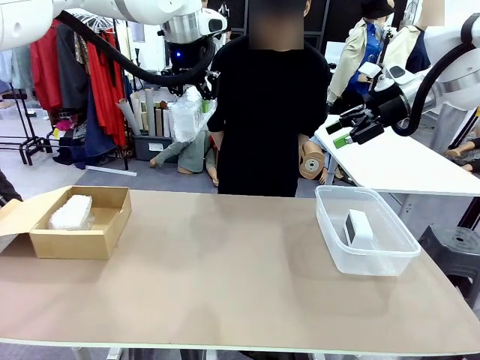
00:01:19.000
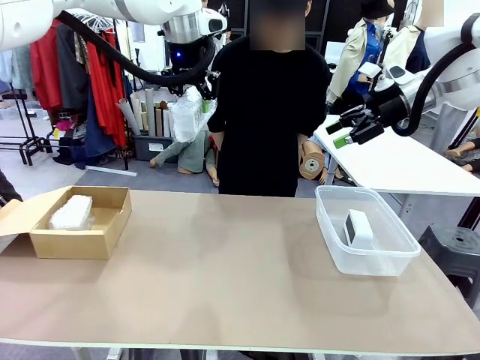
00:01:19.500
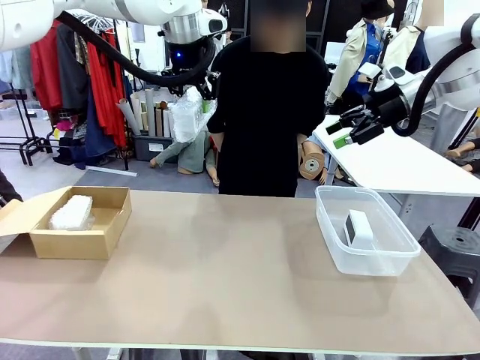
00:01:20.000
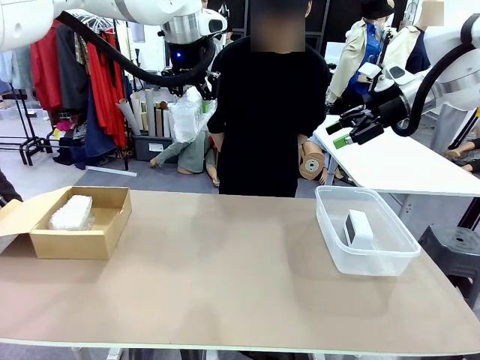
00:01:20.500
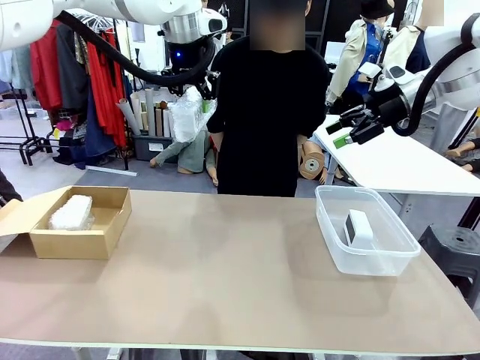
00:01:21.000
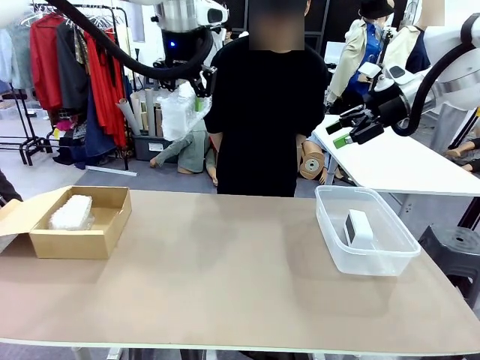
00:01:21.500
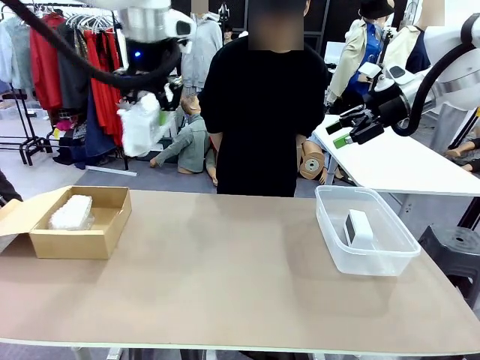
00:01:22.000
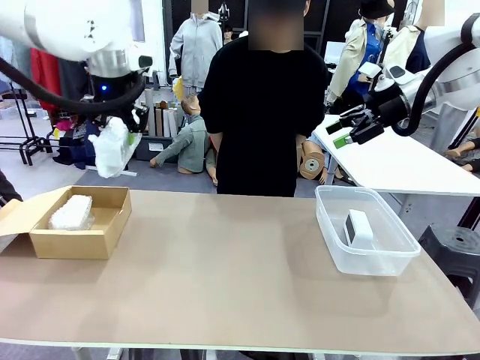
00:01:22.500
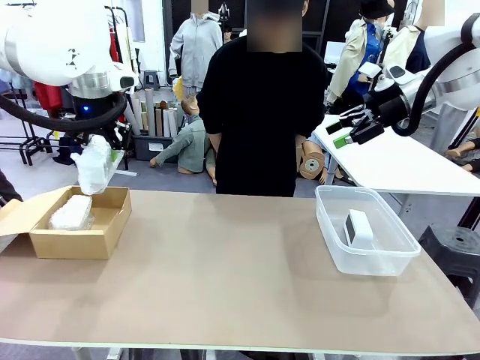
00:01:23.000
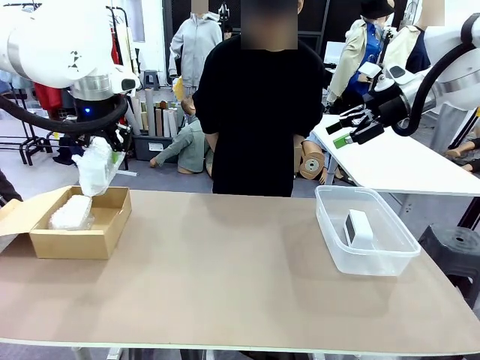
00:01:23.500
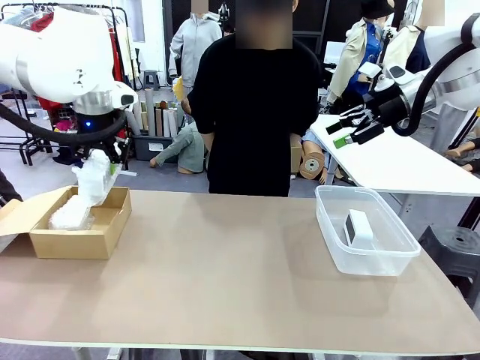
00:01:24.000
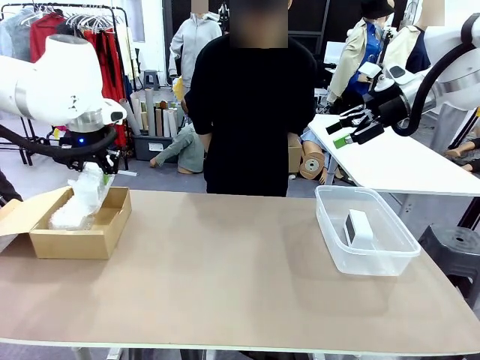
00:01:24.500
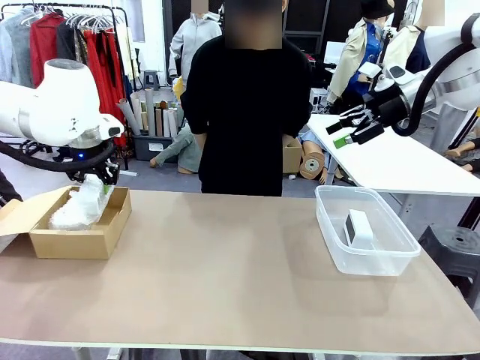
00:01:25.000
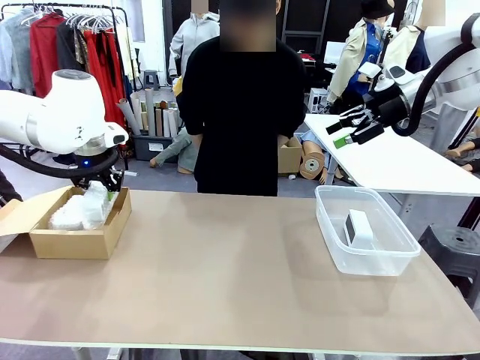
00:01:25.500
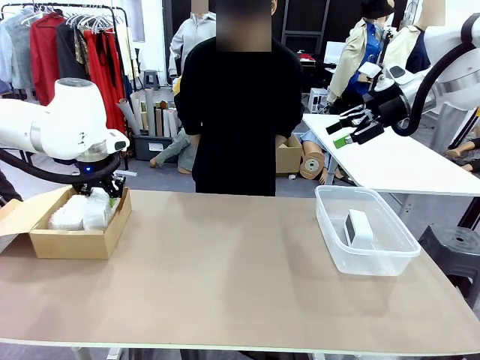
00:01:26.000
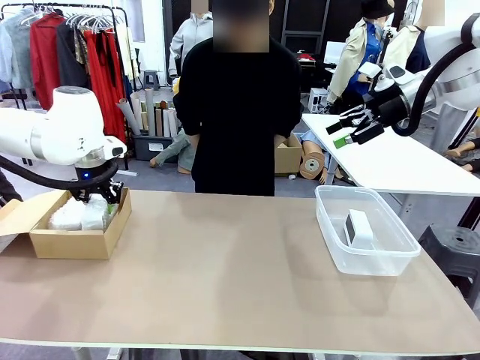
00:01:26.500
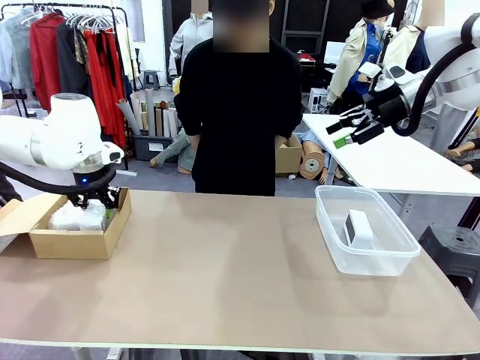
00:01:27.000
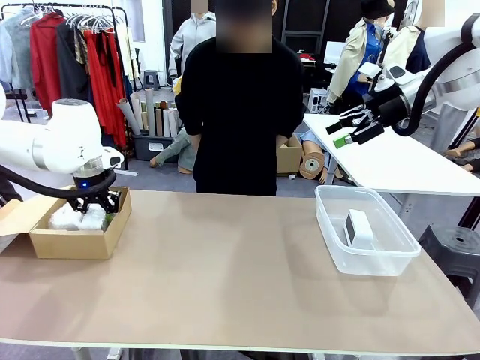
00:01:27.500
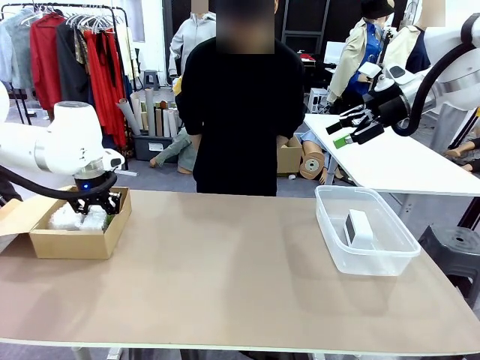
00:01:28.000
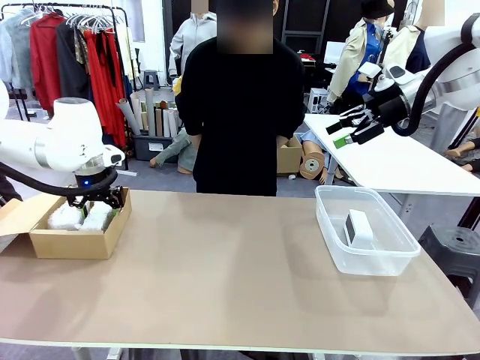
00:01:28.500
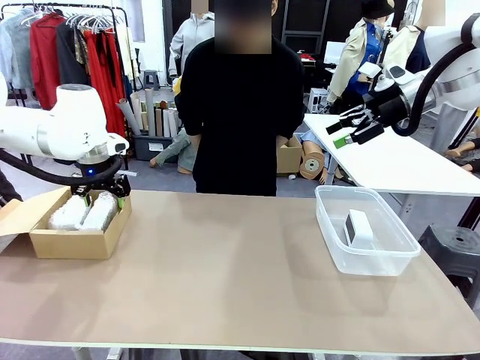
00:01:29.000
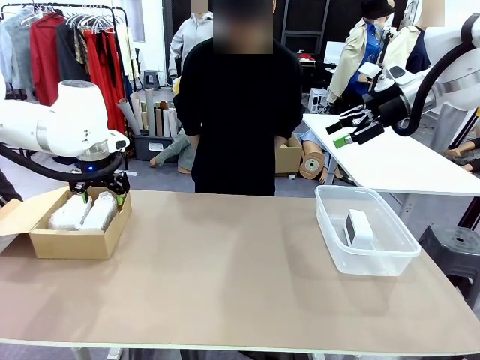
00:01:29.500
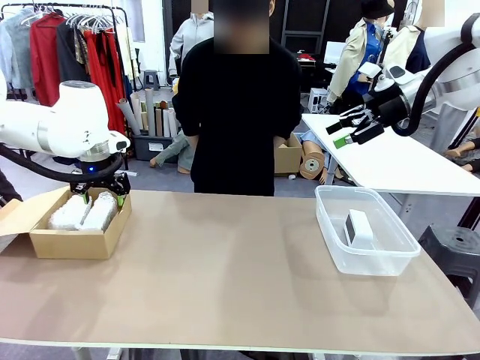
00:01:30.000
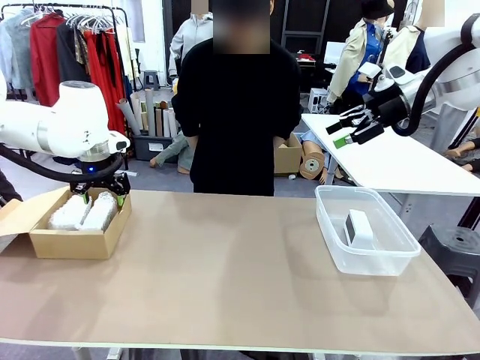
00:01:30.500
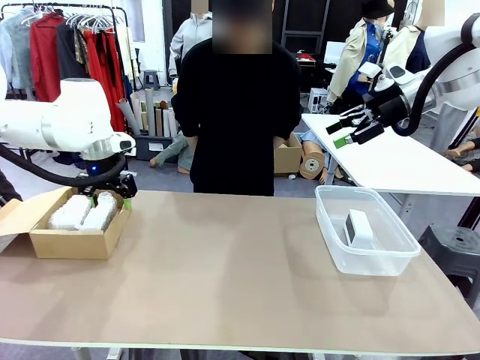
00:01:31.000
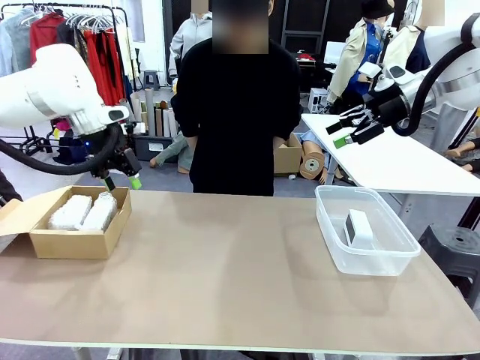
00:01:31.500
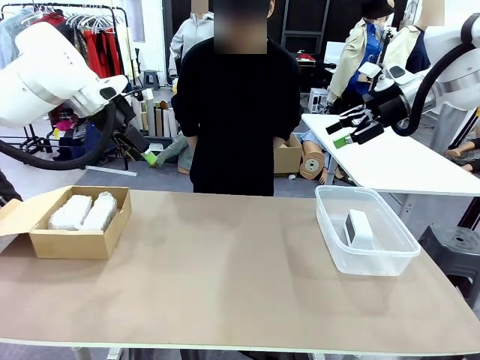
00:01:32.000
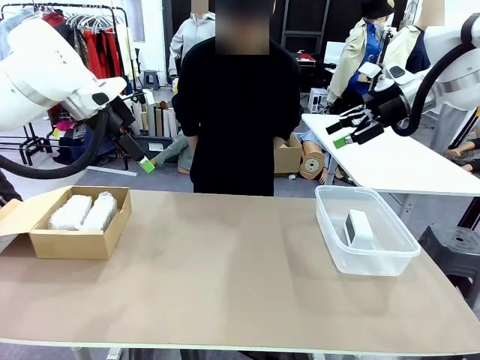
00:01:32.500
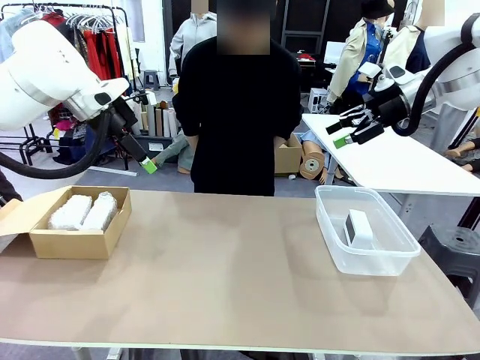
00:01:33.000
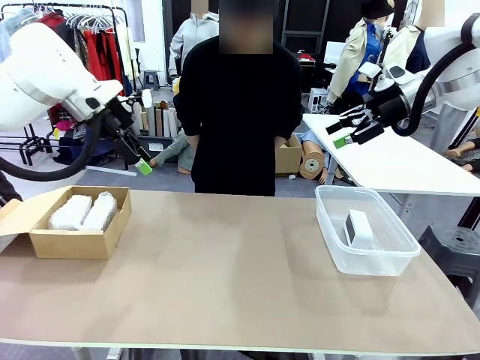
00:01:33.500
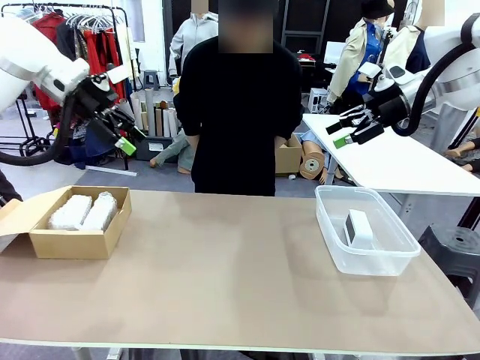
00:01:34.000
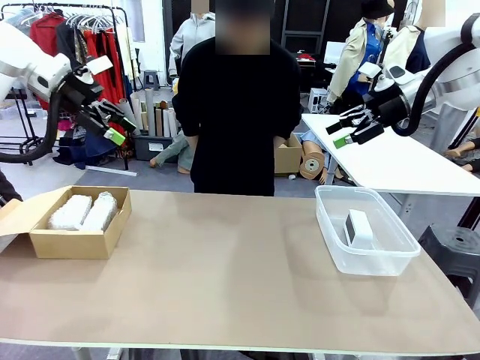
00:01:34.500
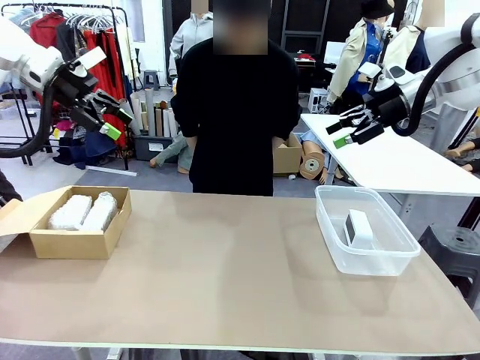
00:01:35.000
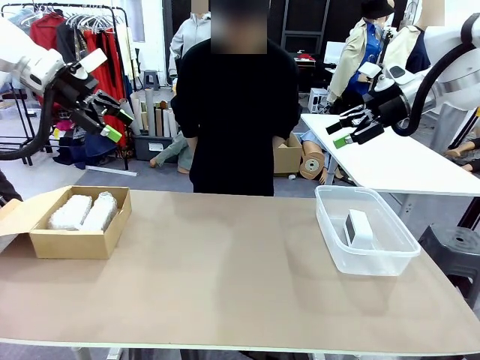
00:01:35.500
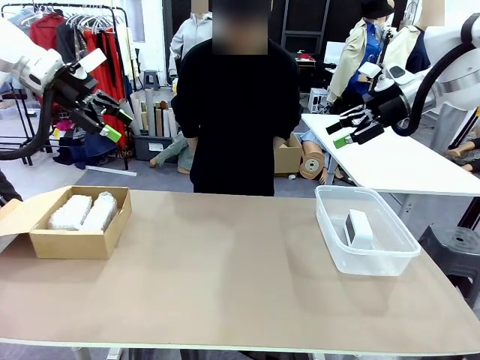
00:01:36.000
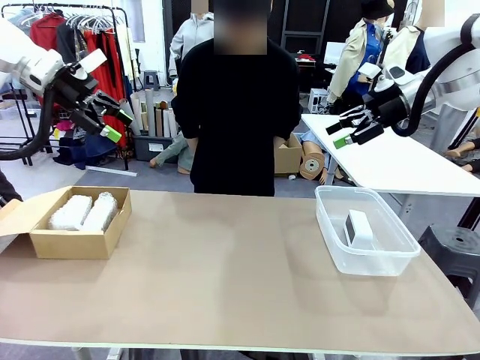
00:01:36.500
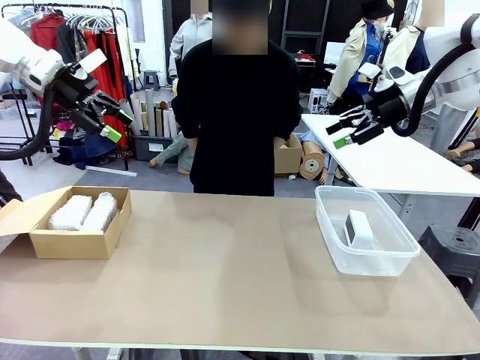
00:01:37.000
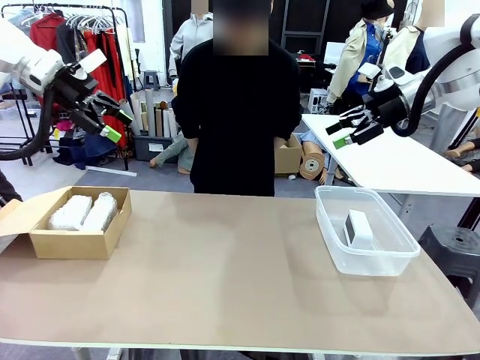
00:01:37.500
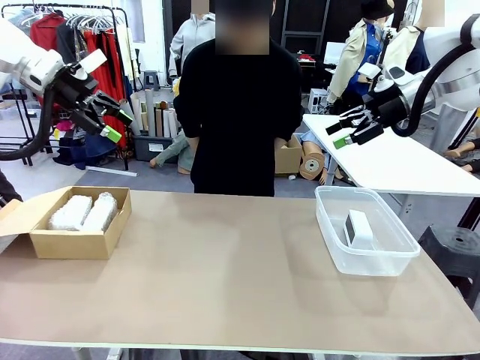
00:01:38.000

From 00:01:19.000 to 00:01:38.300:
Task: Separate and place wrapped and unwrapped clocks.
Robot: If the picked Digital clock is wrapped, place it in the Package Box ; if not, place it in the Organizing box.

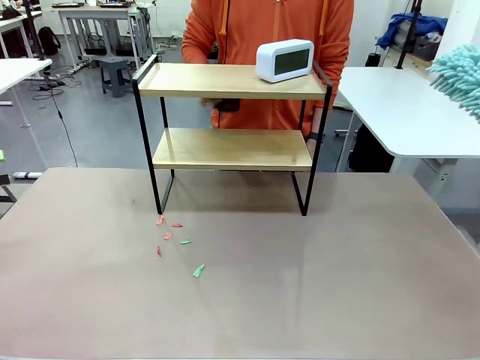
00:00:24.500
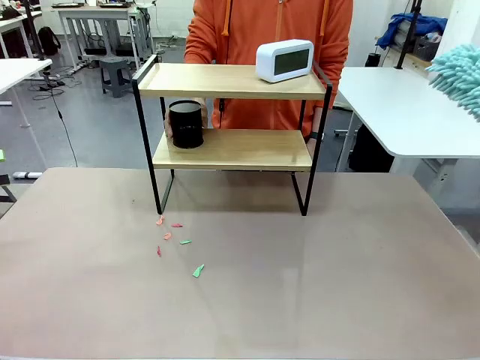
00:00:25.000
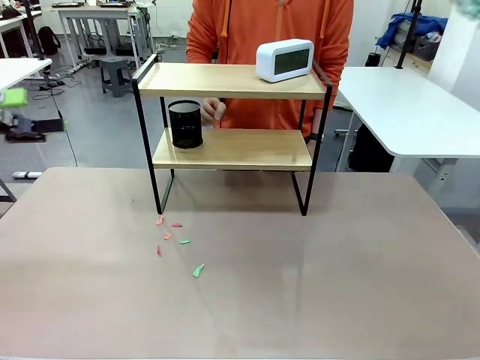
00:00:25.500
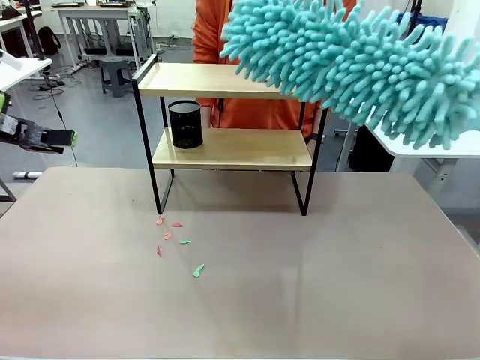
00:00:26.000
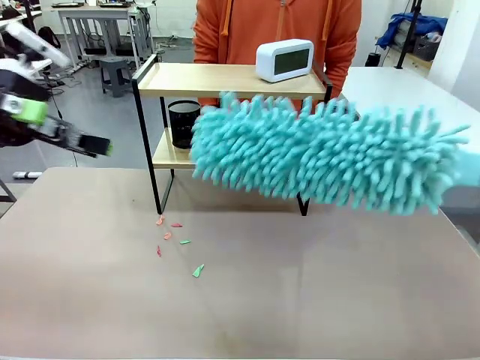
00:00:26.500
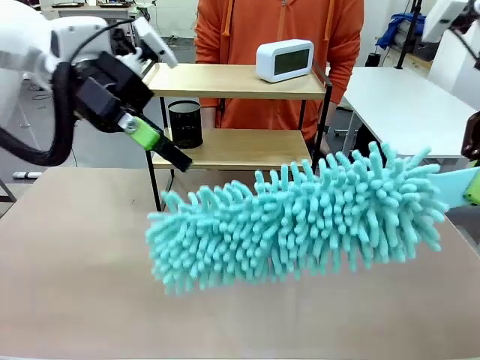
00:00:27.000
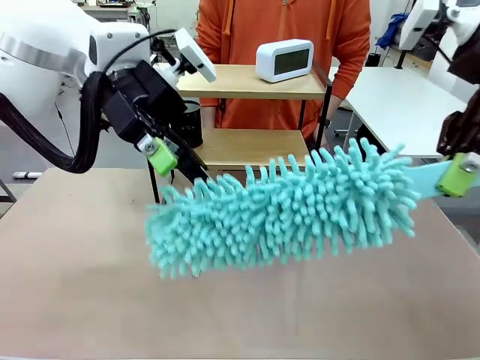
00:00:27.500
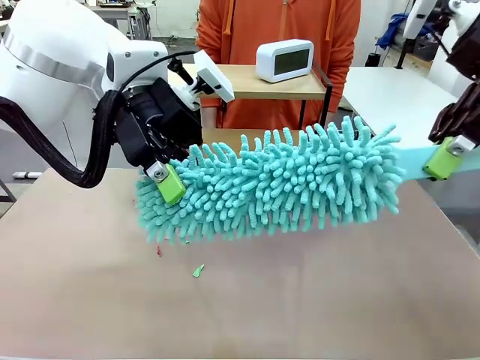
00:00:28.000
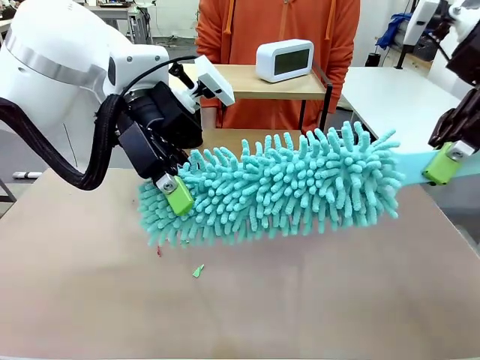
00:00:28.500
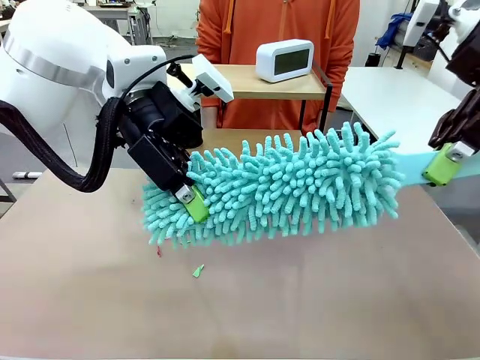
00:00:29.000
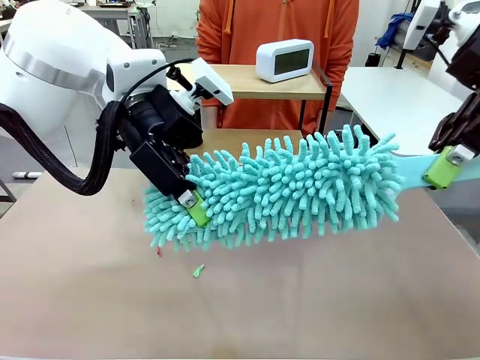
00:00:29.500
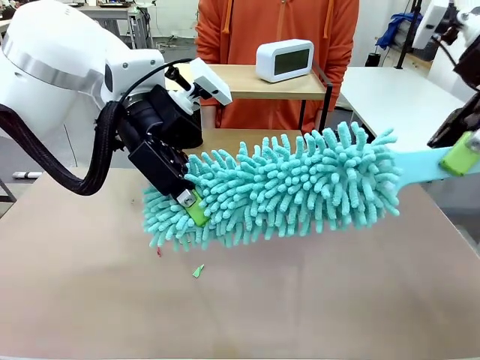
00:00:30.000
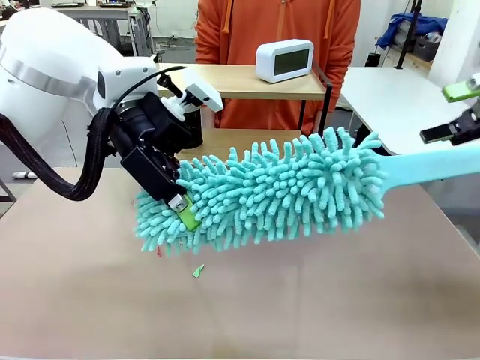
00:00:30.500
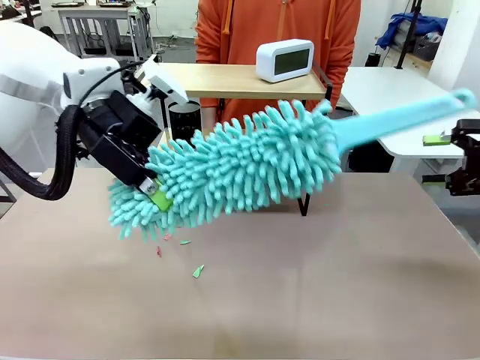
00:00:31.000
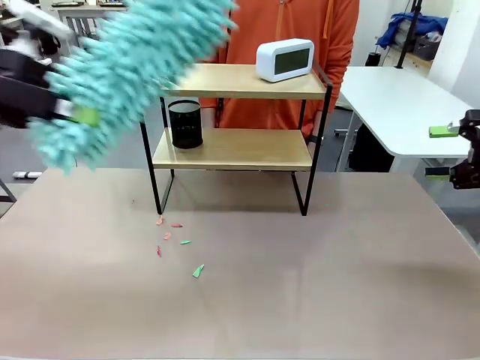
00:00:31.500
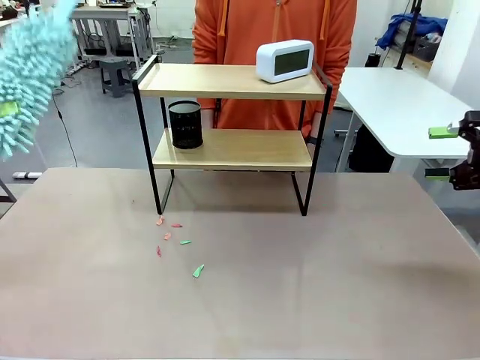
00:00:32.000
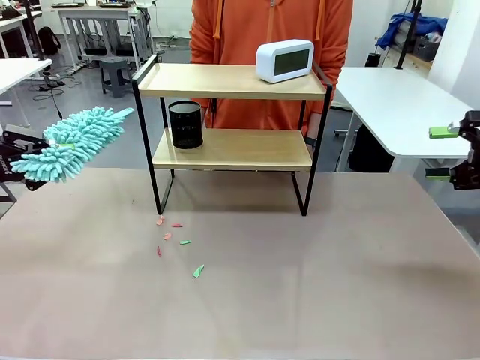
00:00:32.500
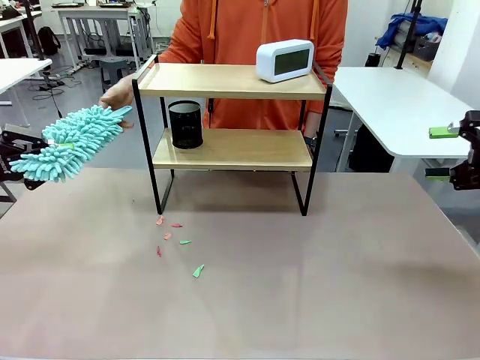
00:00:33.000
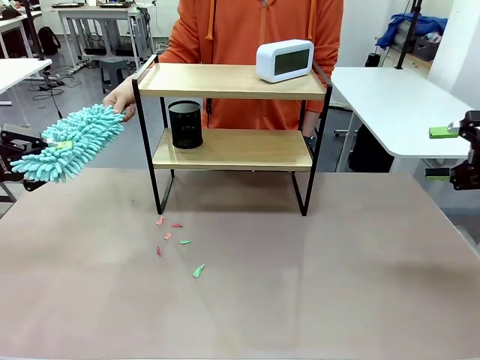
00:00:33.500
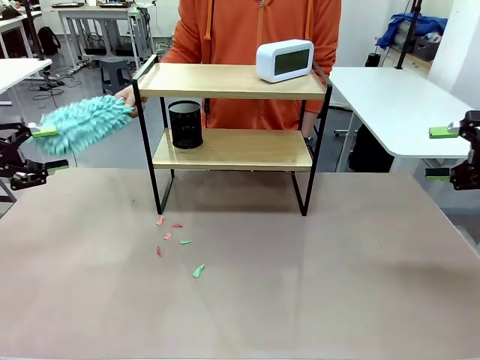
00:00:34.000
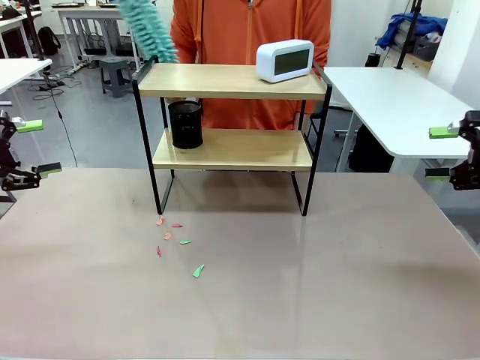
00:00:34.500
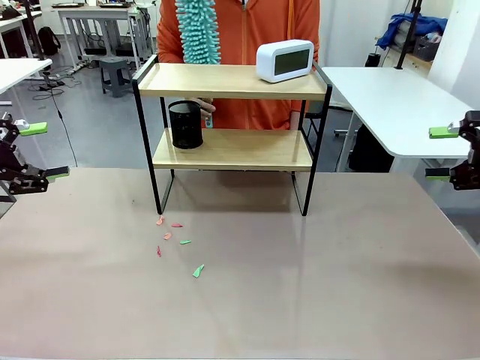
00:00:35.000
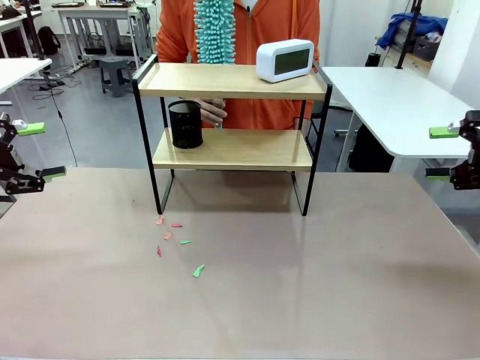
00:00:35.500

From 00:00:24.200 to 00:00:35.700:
Task: Clean the shelf.
Robot: Hand the Duster back to the human.
Person: Receive the Duster from the robot.
